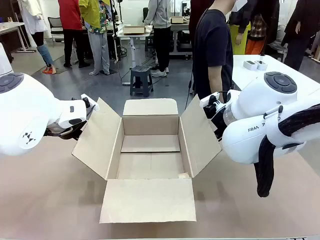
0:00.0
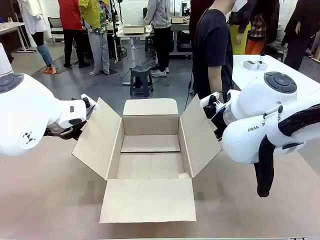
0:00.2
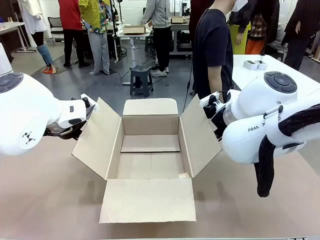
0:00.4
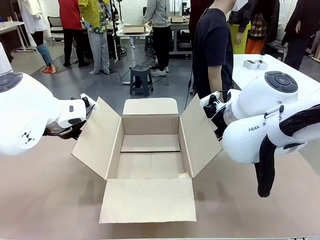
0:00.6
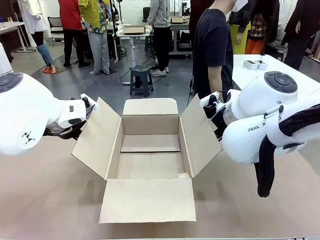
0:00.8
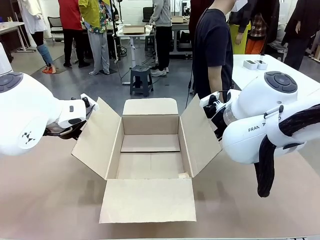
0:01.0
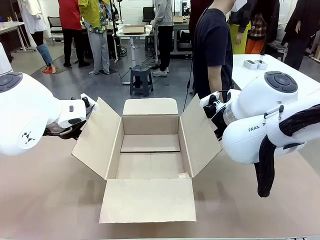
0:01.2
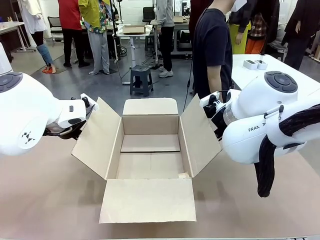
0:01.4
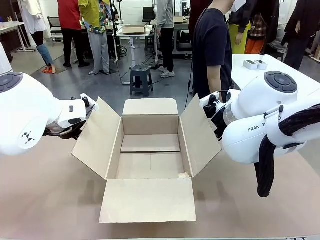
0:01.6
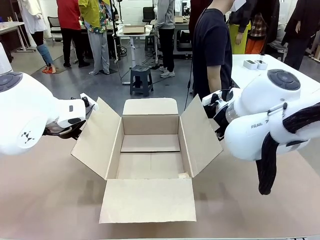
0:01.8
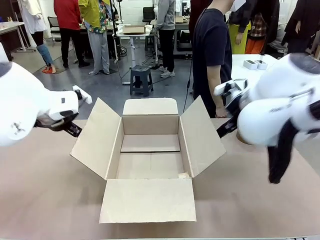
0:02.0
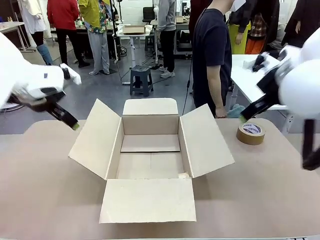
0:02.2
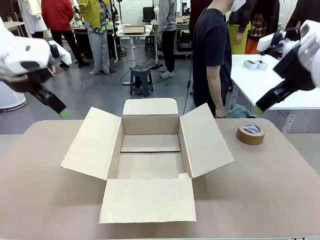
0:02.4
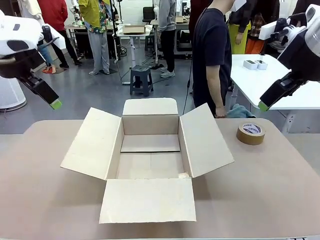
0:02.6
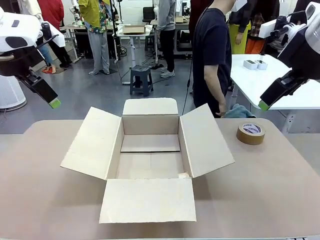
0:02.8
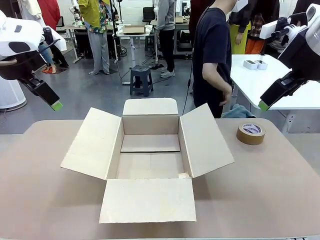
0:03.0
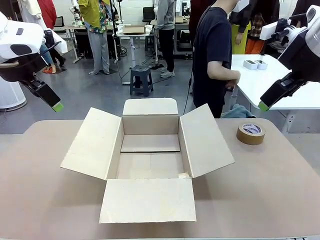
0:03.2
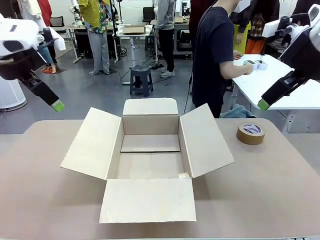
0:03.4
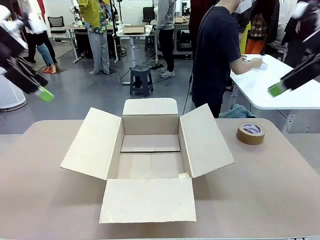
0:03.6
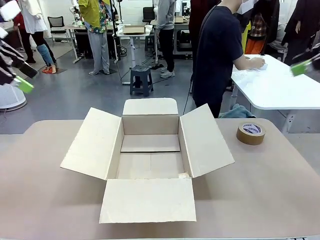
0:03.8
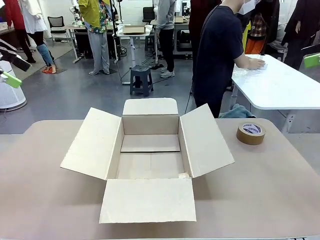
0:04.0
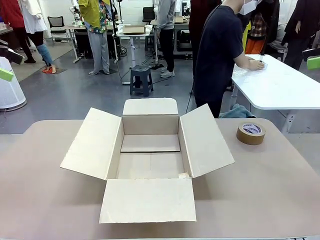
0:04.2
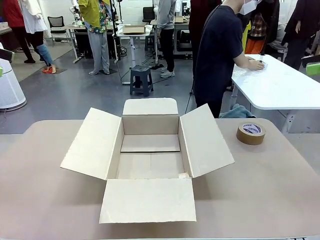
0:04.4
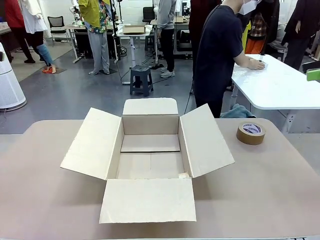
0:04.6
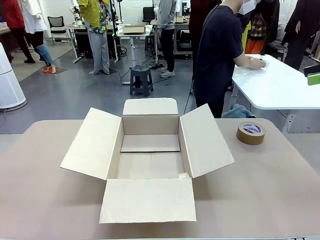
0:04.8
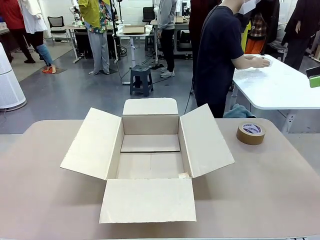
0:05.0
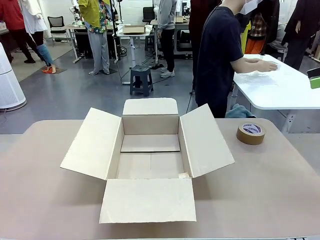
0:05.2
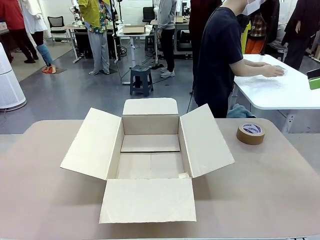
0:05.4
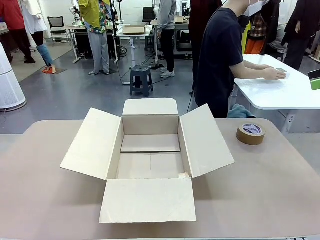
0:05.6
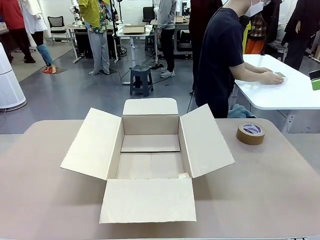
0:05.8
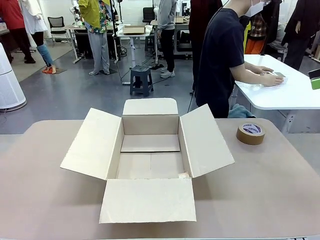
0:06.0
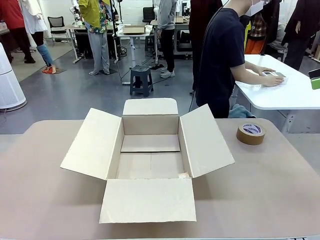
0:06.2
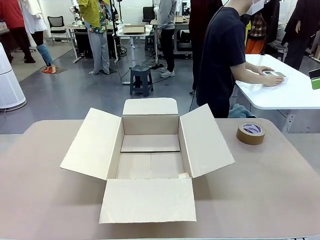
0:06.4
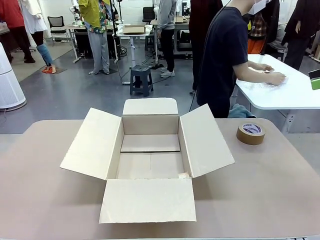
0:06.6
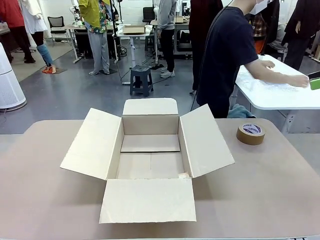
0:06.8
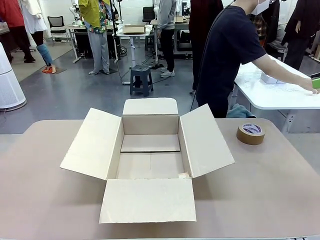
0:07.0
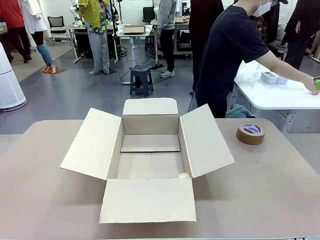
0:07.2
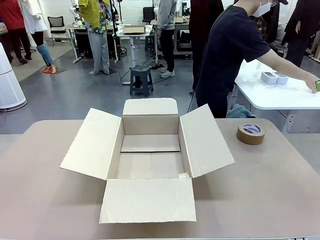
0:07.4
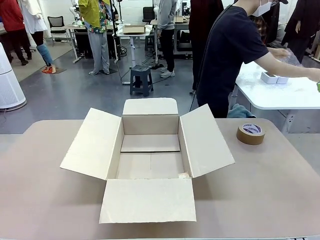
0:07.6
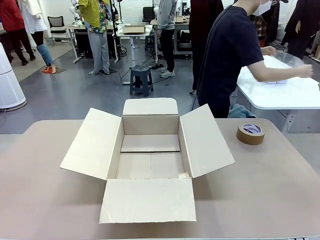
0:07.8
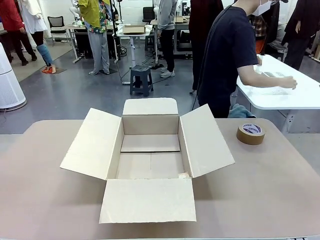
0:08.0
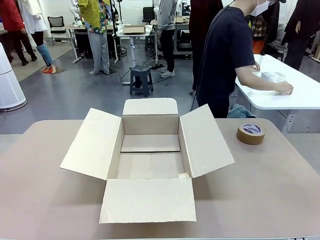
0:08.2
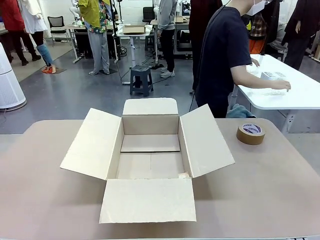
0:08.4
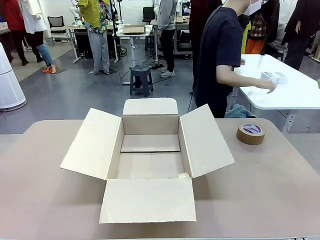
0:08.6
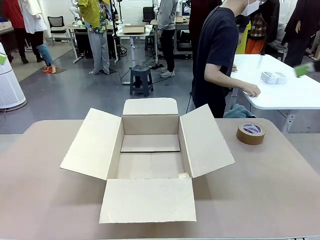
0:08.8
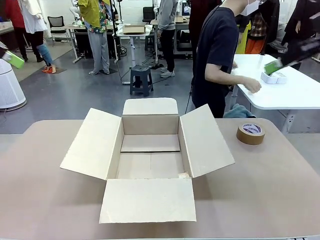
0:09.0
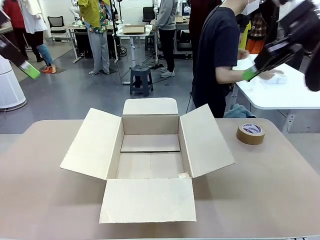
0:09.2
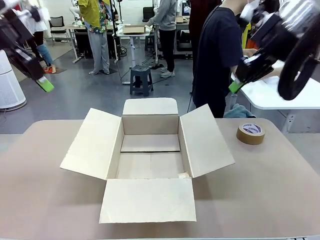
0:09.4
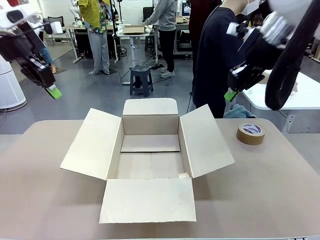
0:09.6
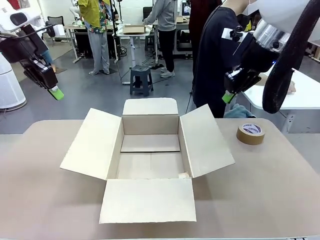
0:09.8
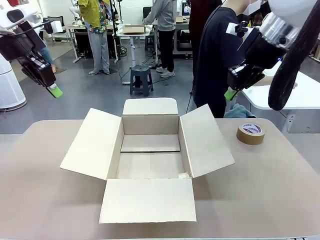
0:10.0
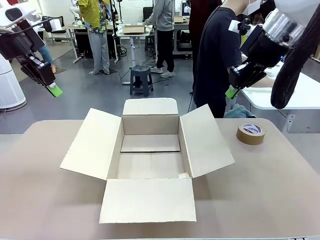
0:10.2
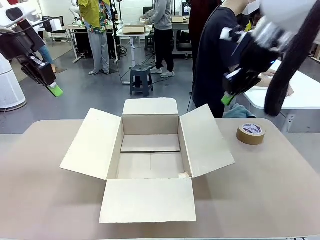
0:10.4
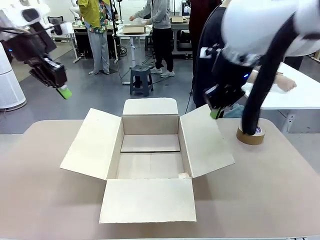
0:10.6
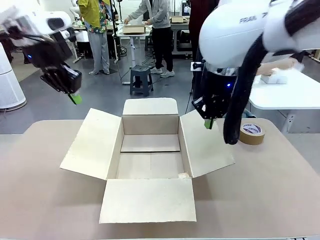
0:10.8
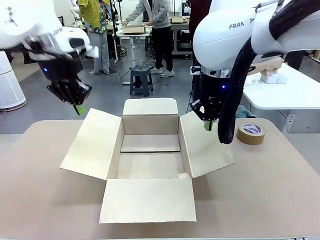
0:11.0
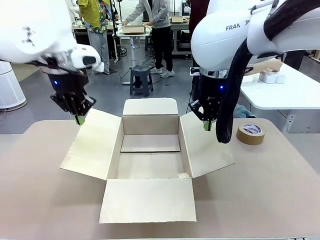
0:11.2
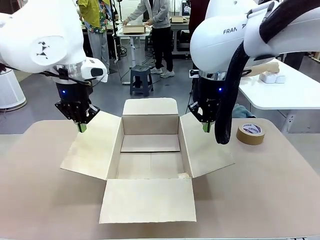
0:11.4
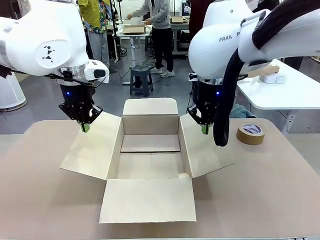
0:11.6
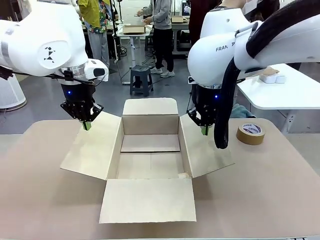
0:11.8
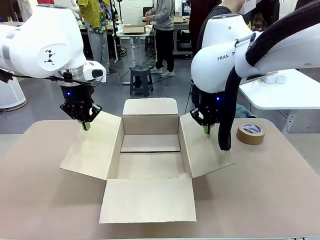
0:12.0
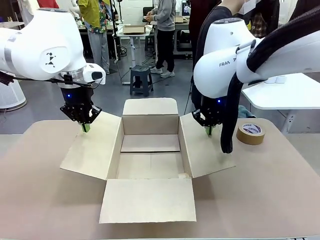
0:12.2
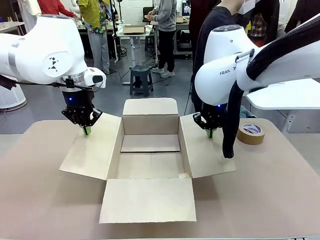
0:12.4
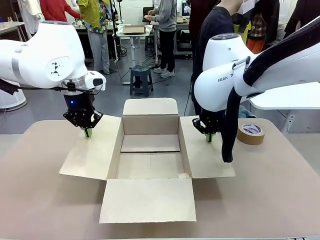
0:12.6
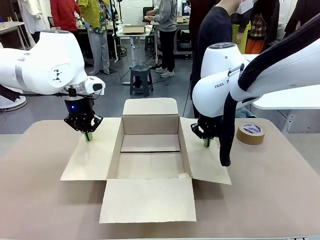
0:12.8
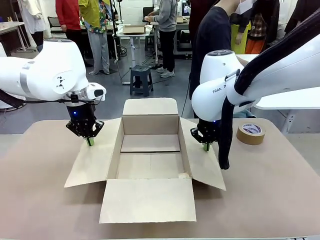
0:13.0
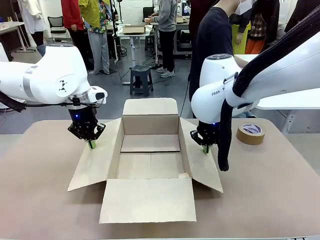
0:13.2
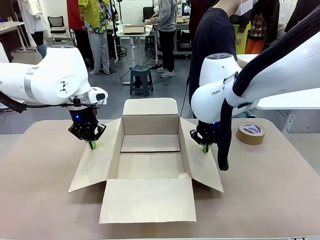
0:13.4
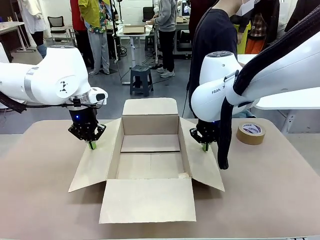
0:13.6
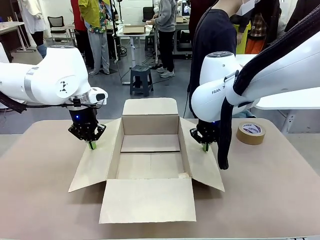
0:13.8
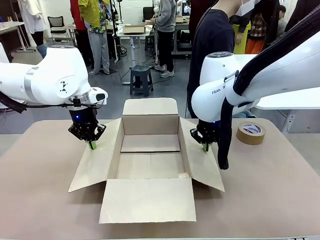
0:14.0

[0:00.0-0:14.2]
Task: Wrap the clocks to prevent damage.
Robot: Open the side flaps of the Package Box.
Person: Wrap the two Digital clocks with Bubble Wrap.

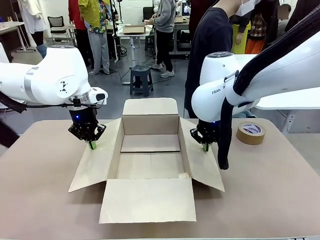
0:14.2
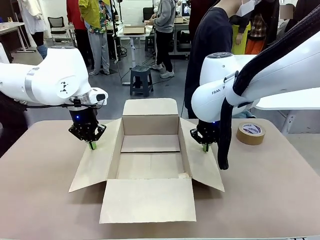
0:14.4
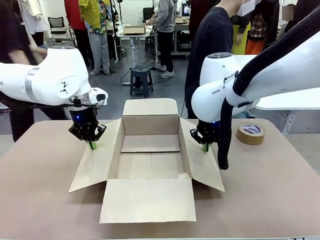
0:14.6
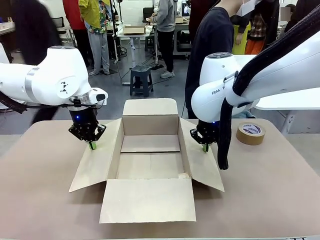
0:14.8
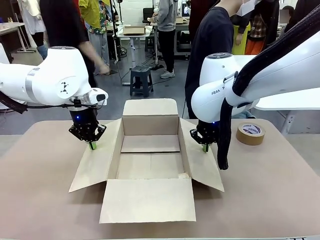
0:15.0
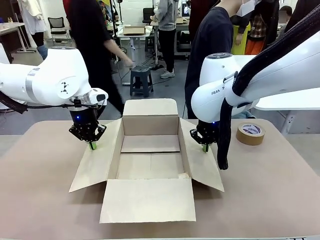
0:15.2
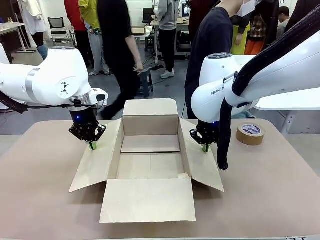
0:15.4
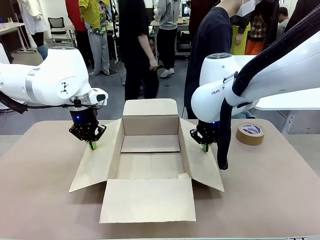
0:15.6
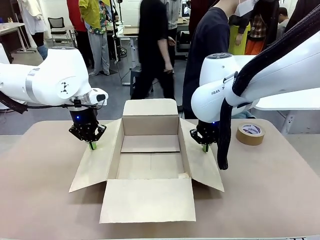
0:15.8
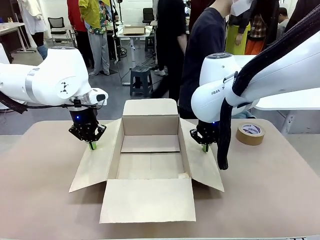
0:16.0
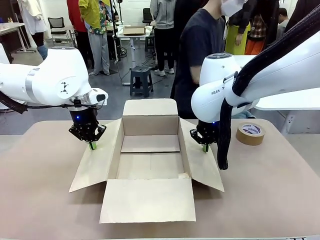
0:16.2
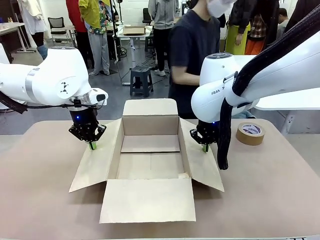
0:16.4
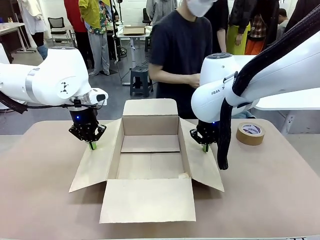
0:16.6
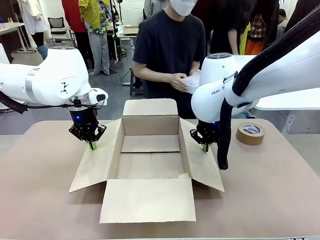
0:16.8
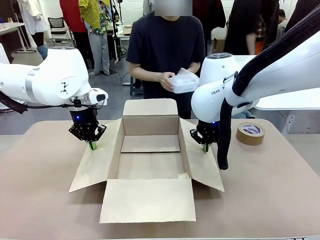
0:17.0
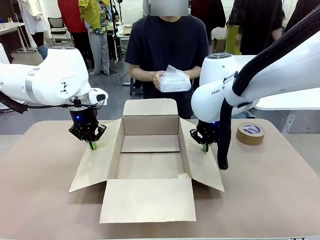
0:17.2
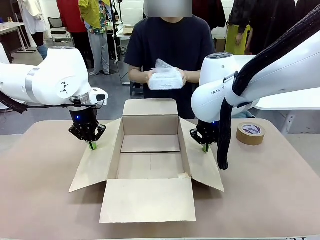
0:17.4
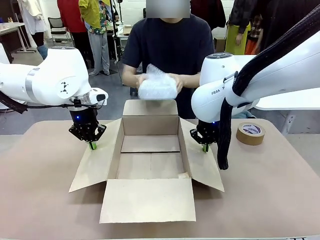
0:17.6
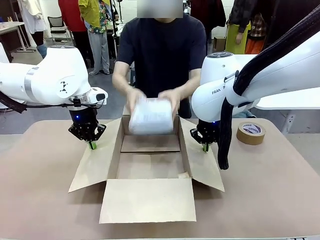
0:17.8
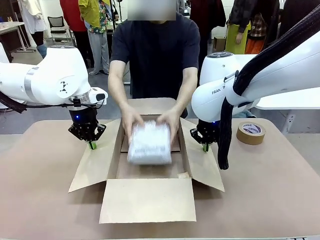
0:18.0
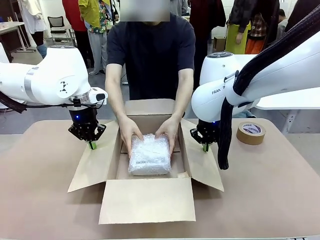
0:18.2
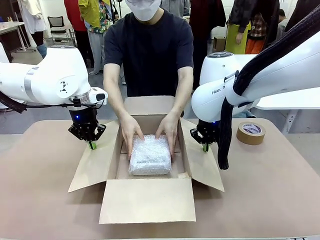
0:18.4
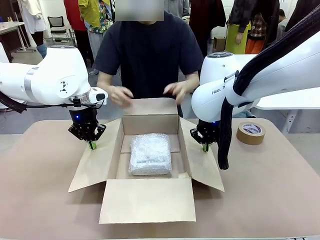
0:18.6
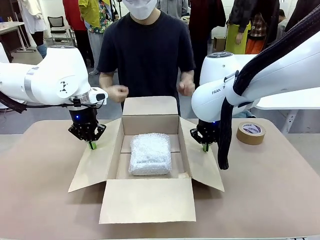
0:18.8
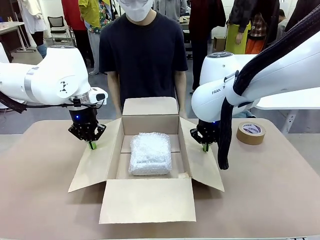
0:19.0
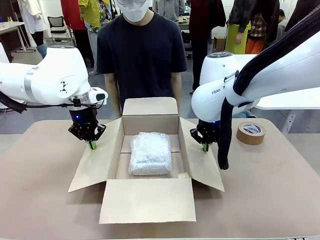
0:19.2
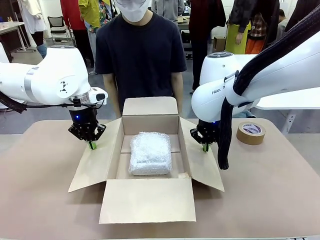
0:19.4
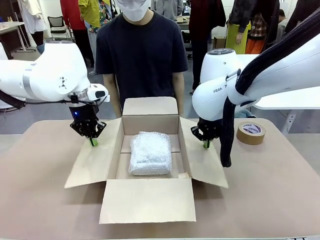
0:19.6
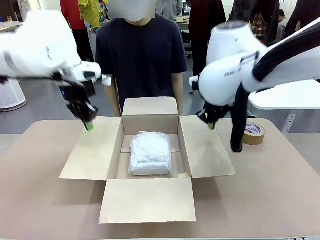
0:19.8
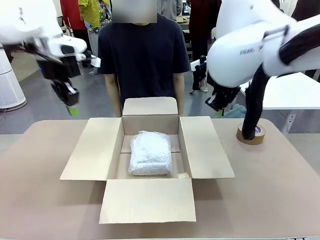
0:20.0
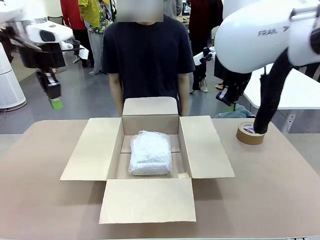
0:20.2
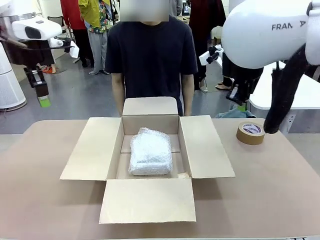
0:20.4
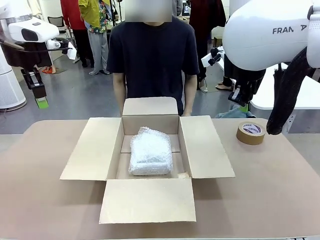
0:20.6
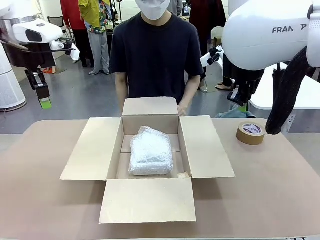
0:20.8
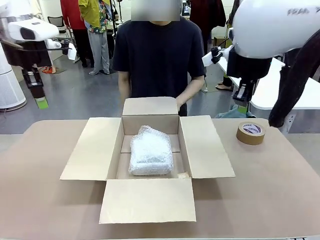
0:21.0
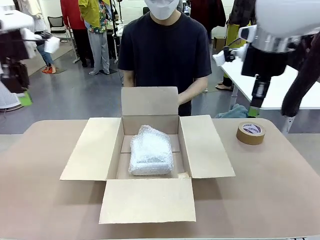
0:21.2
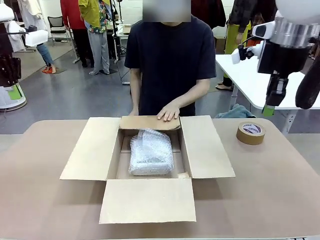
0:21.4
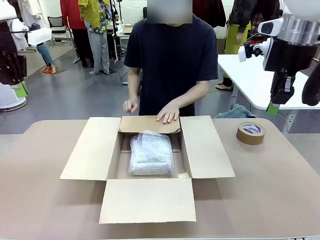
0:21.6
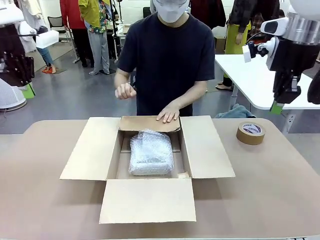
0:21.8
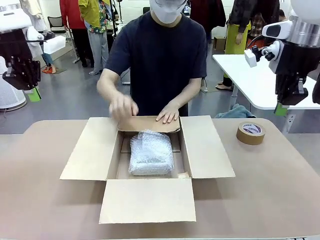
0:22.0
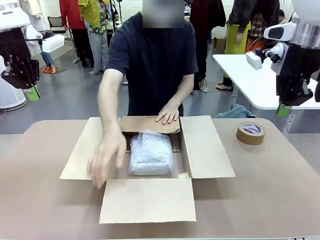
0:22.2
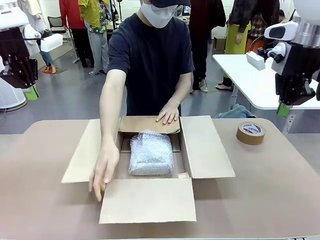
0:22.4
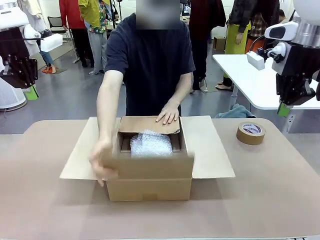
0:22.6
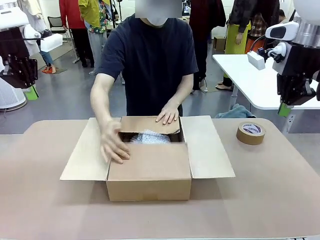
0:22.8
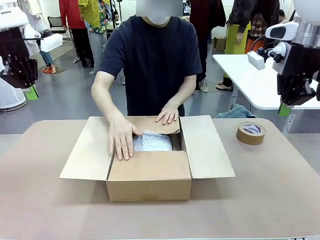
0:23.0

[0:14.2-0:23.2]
Robot: Once the human has placed the objects inside and stepped back, release both hands from the side flaps of the Package Box.
Person: Place the wrapped Digital clocks inside the Package Box. Hold the top and bottom flaps of the Package Box closed with your left (or right) hand.
